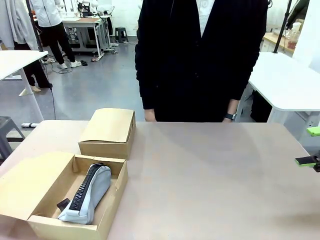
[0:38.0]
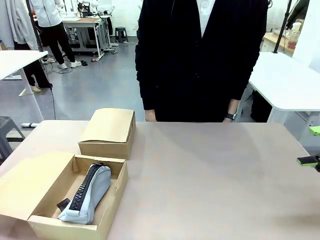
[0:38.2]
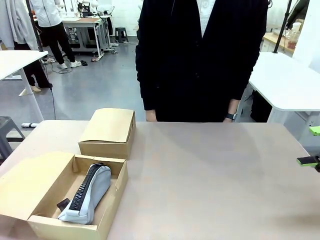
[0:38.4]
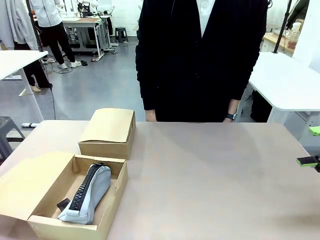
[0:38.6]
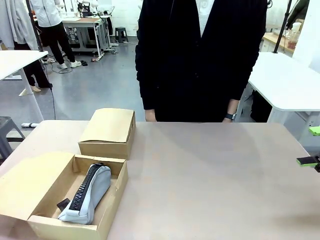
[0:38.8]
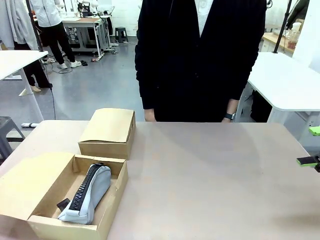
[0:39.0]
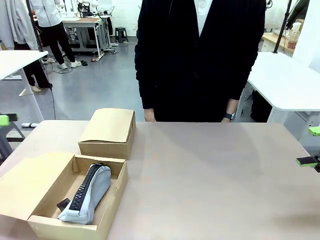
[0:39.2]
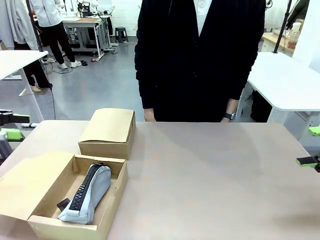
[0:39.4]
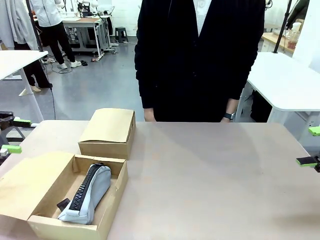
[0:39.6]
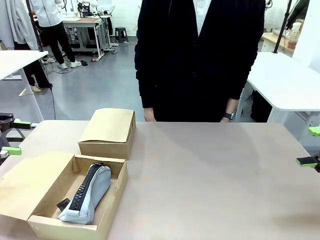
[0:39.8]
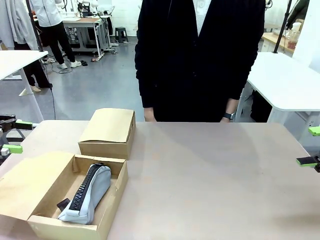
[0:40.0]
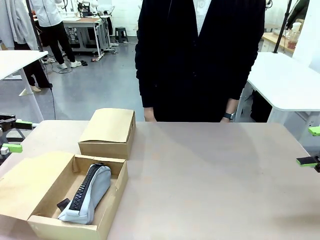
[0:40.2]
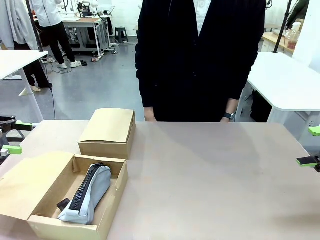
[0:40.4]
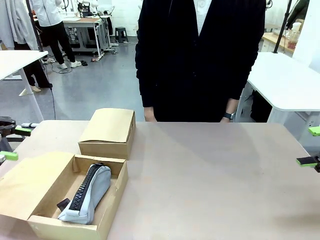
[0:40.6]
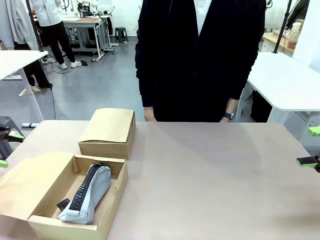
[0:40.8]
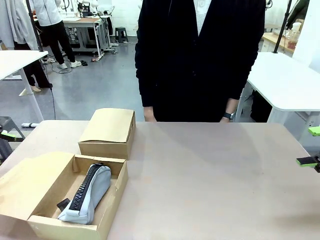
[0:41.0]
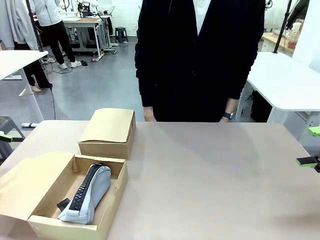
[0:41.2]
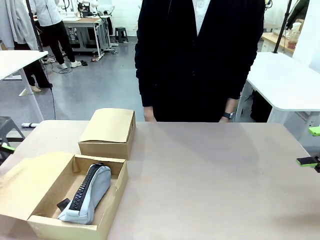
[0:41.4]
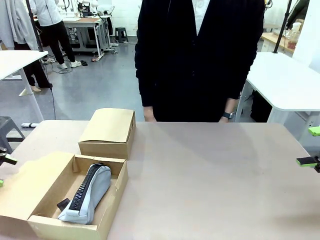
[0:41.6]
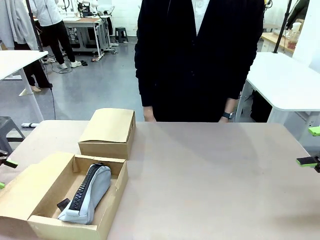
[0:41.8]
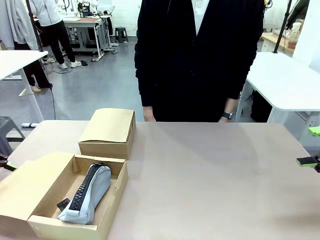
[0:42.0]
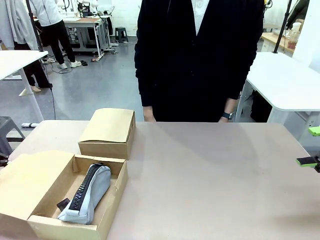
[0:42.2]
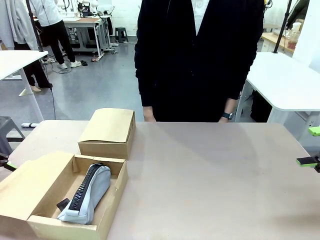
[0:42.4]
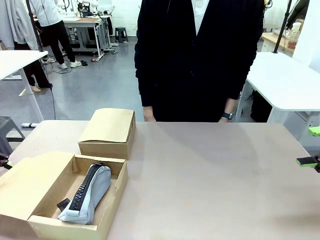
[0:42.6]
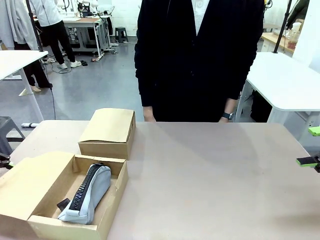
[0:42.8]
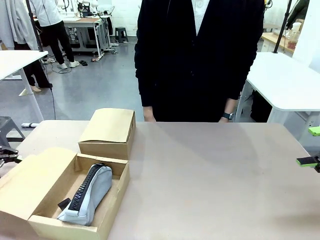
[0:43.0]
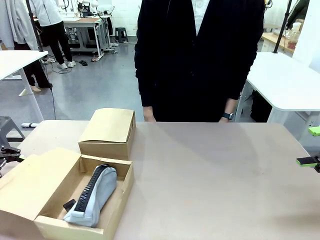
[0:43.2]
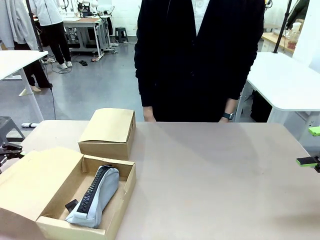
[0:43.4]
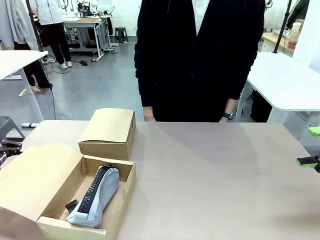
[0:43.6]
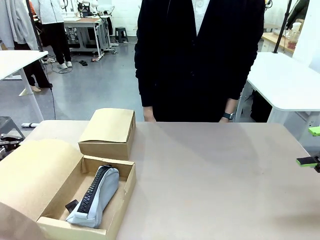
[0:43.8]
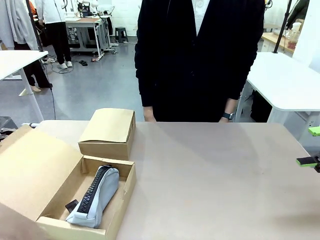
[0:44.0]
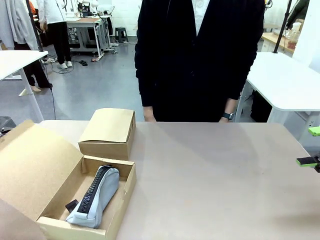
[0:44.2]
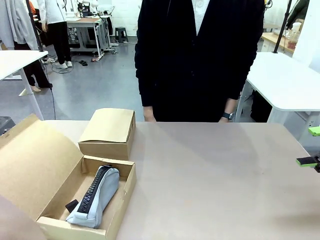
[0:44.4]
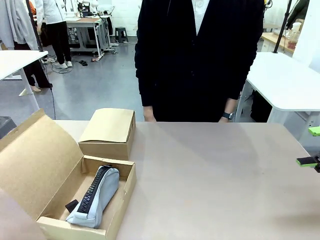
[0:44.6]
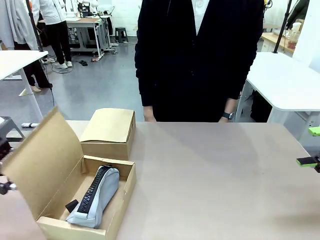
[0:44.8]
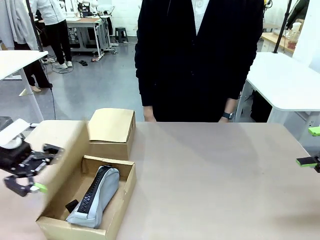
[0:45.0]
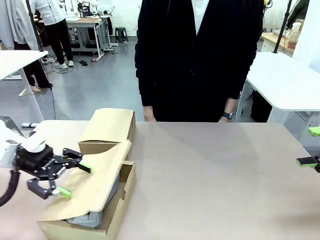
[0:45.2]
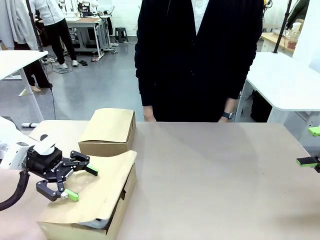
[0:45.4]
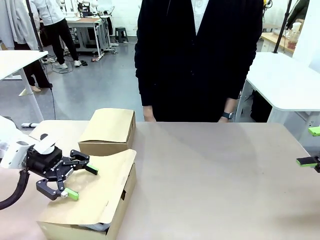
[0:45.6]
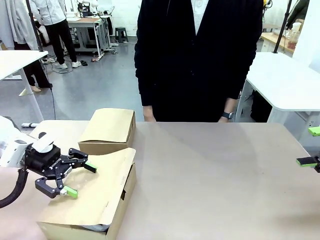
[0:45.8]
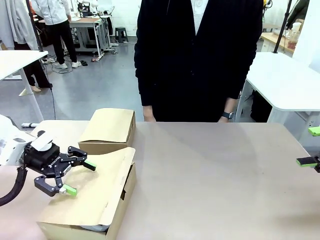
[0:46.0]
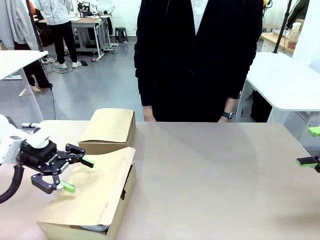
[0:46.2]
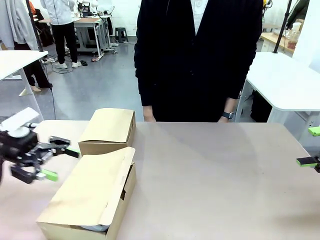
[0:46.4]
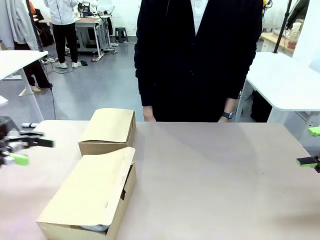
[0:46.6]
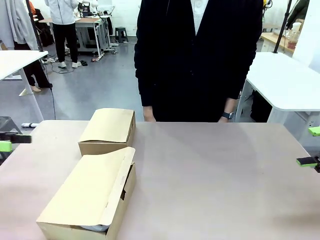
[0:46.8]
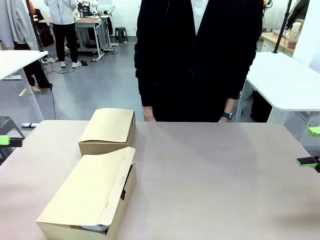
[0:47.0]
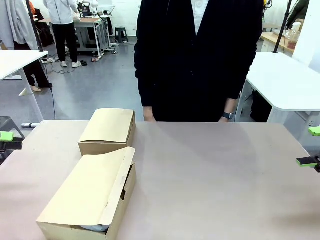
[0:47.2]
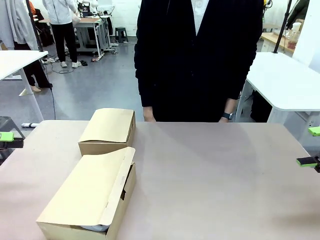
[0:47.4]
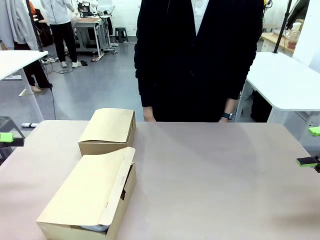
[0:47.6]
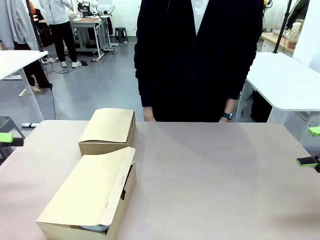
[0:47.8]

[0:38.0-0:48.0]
Task: Place items inside the box.
Robot: Close the lid of the Mailer Box closest to the robot.

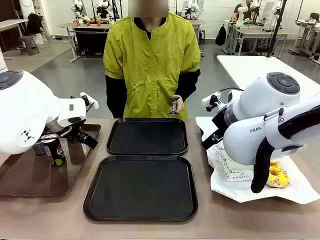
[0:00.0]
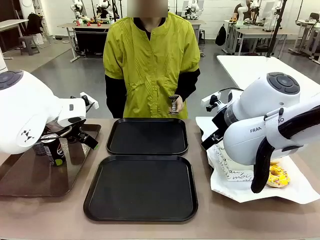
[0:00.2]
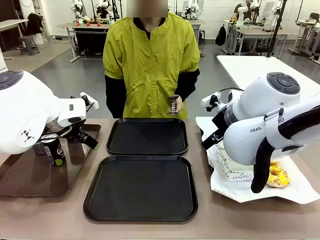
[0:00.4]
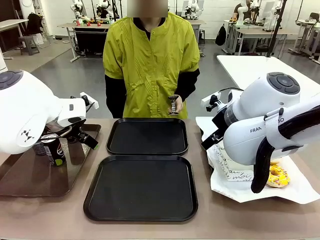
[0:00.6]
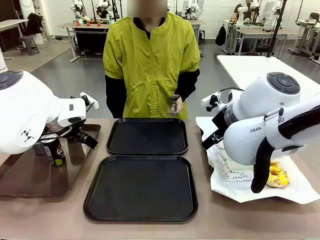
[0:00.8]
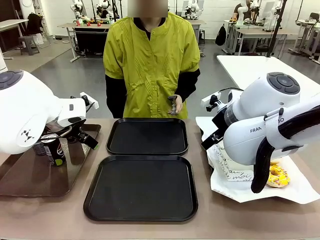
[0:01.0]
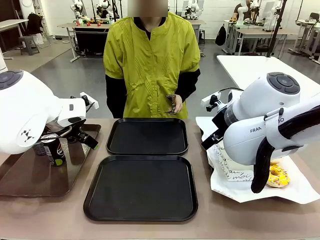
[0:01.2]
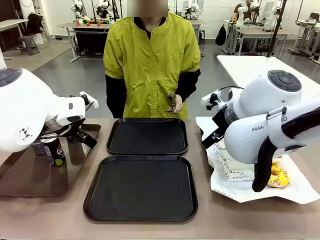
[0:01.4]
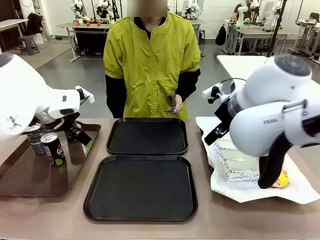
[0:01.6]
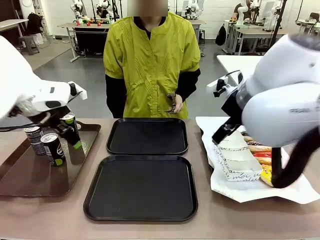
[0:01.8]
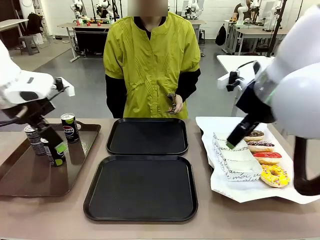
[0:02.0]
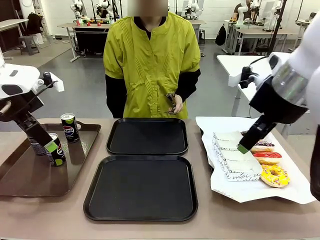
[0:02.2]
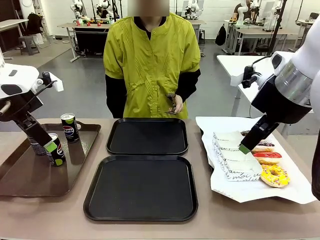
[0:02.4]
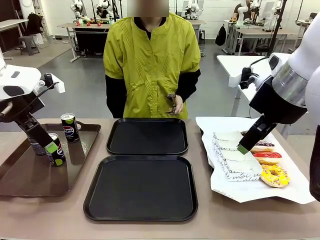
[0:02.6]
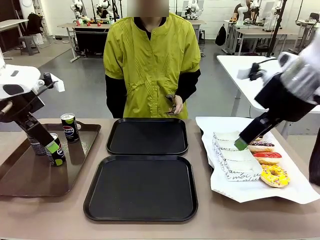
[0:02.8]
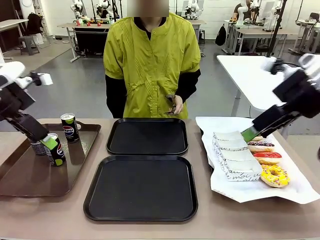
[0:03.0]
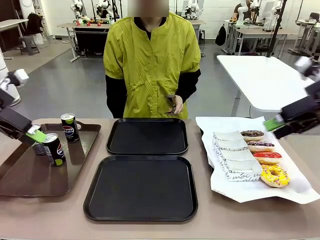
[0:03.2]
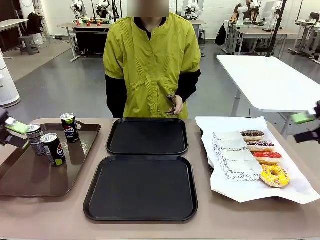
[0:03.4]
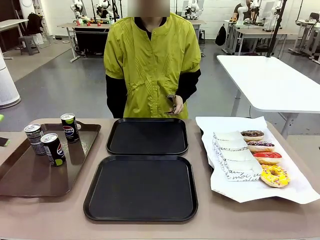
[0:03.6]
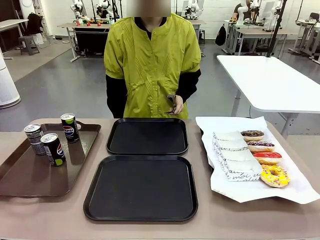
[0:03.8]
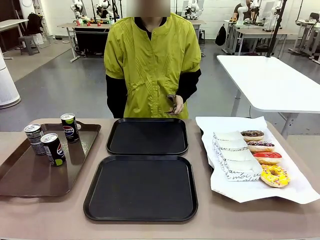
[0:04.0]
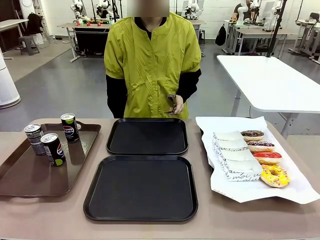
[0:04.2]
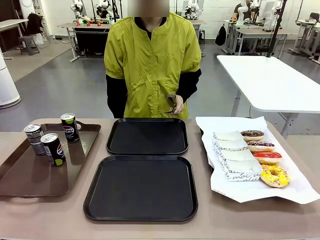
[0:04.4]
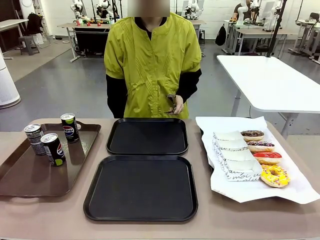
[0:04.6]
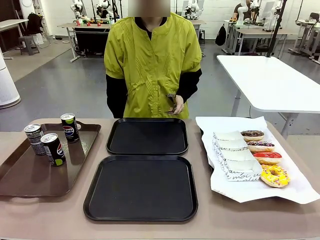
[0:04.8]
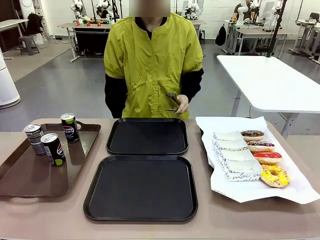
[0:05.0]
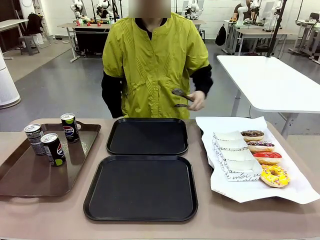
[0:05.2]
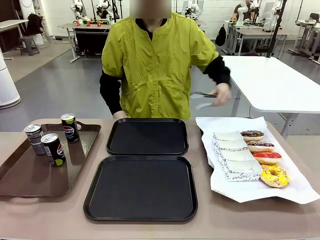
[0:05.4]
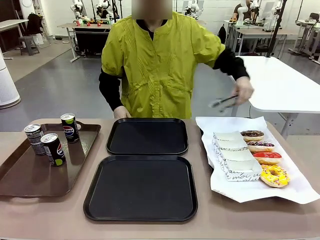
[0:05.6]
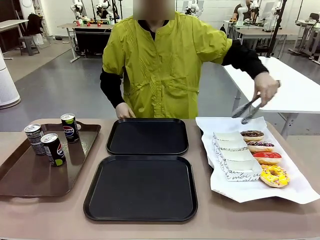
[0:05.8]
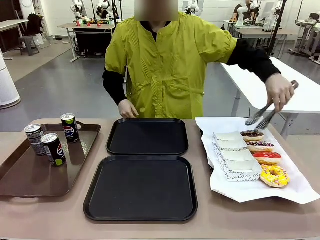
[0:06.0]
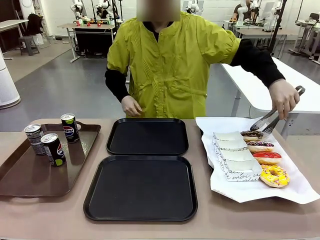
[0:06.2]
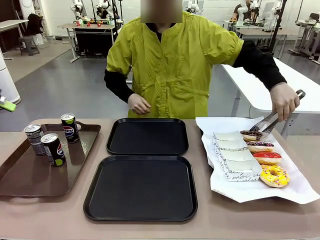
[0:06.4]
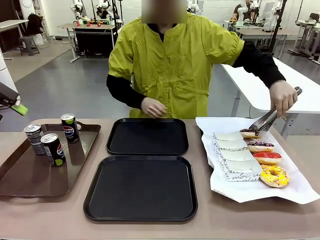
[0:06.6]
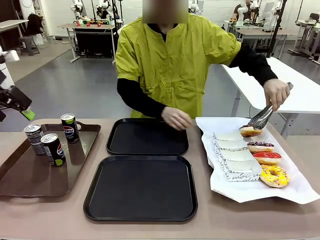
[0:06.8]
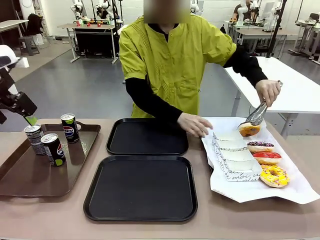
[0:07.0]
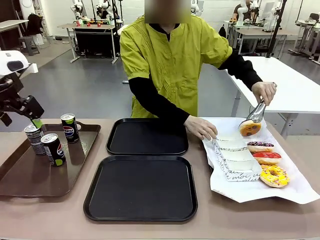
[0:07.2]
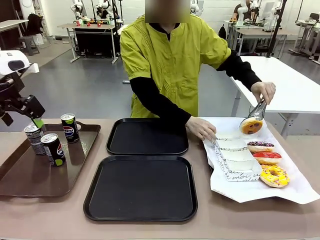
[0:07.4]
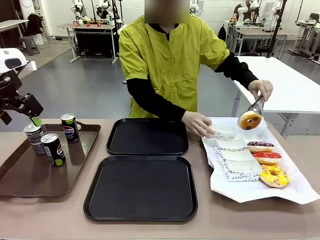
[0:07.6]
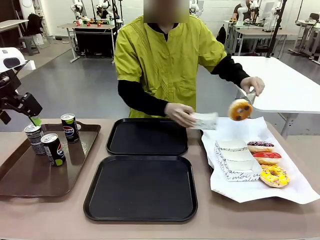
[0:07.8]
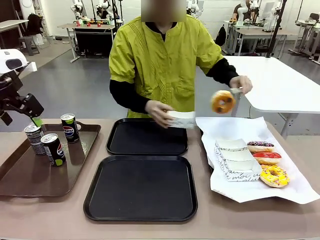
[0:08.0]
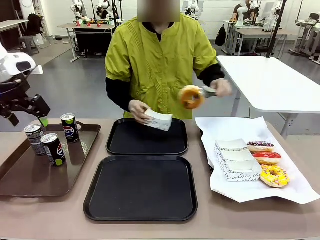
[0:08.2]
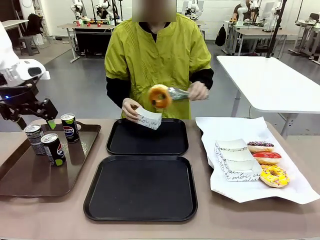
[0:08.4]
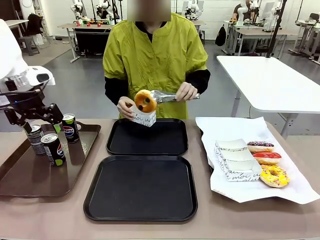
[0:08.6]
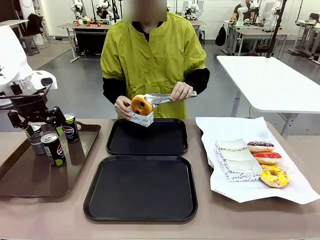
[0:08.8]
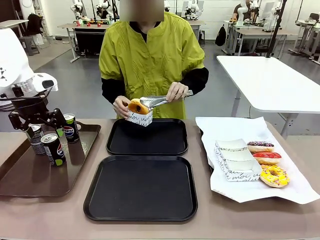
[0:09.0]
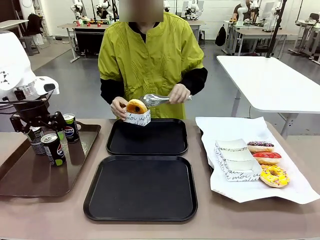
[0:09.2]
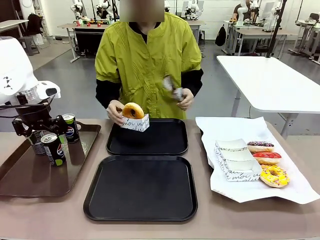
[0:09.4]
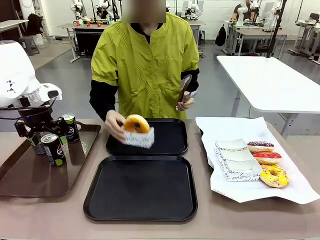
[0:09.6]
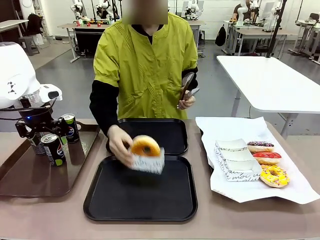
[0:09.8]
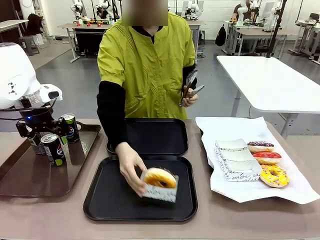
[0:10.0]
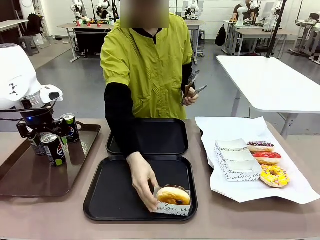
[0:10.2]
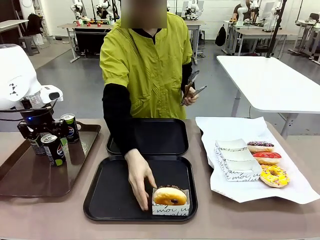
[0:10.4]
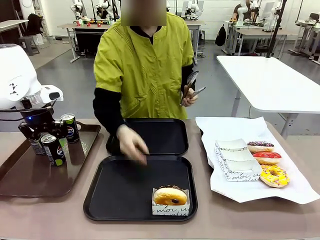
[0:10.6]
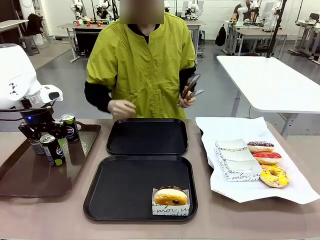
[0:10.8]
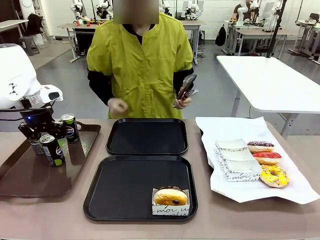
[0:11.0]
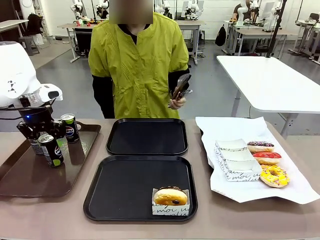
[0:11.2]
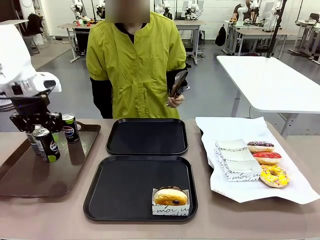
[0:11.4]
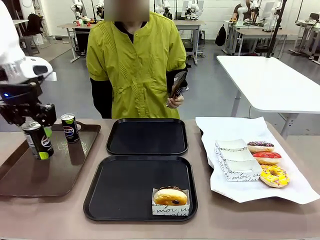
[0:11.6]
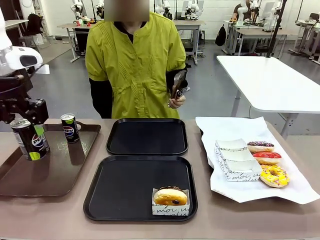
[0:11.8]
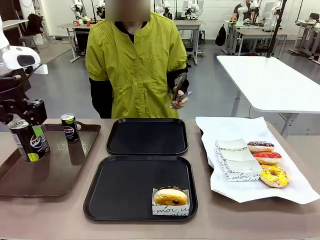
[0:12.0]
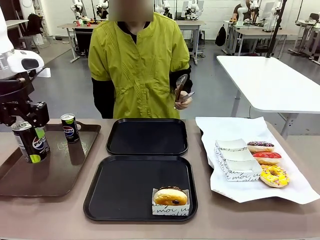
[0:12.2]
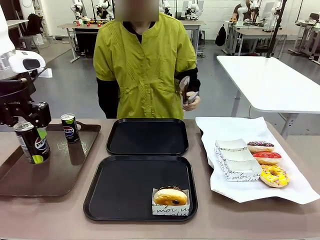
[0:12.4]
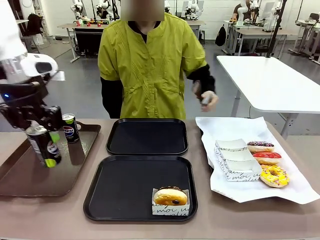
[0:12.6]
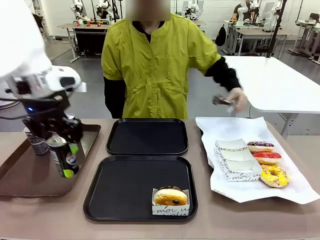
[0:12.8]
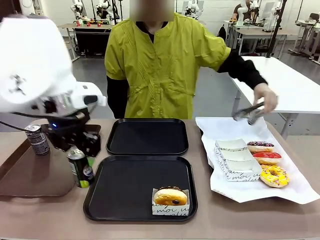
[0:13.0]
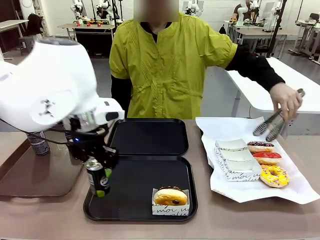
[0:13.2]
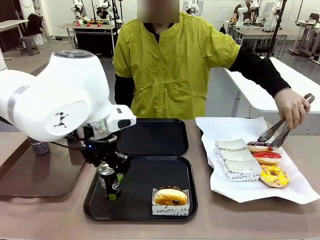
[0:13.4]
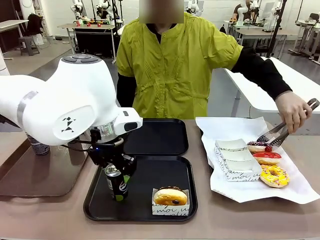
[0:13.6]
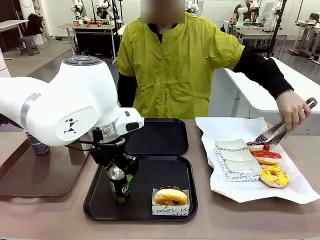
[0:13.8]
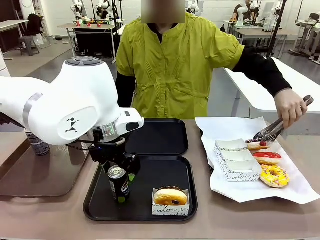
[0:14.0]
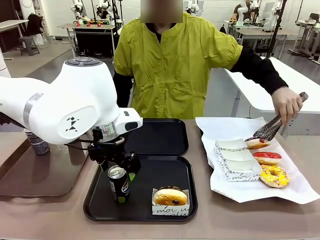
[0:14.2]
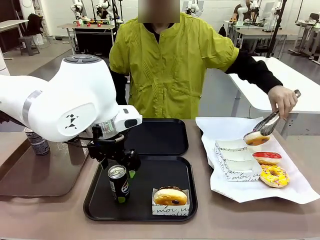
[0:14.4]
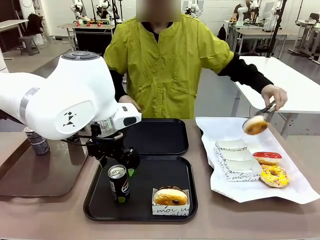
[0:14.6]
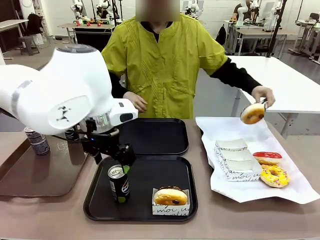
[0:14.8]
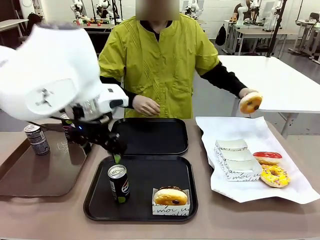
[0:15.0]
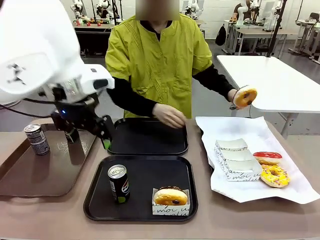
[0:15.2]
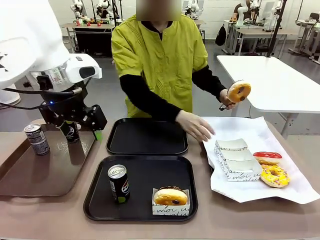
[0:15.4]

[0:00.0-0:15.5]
Task: Set up donuts and drinks on trays.
Robot: Pick up one Pepsi coke and place it on the Flat Tray.
